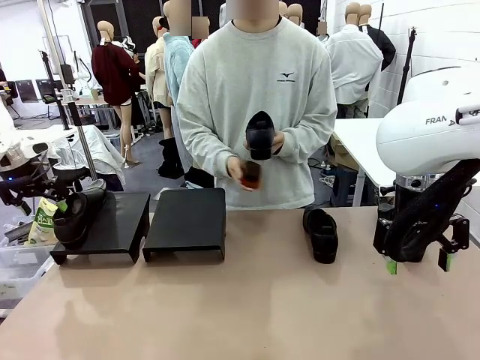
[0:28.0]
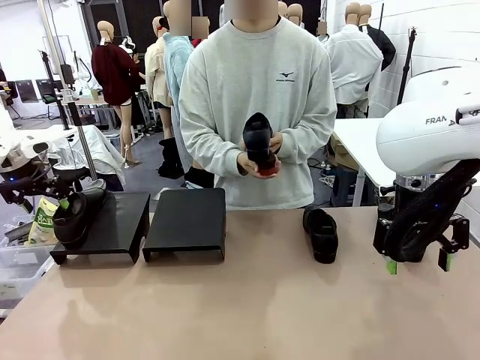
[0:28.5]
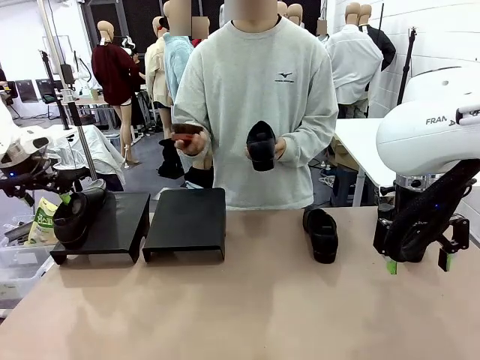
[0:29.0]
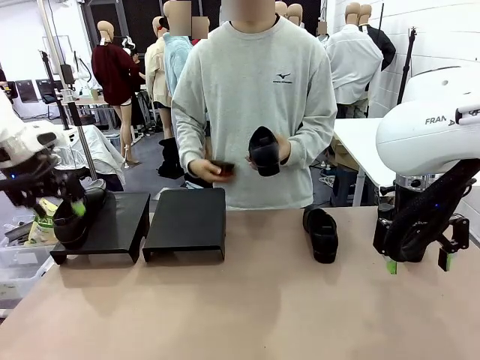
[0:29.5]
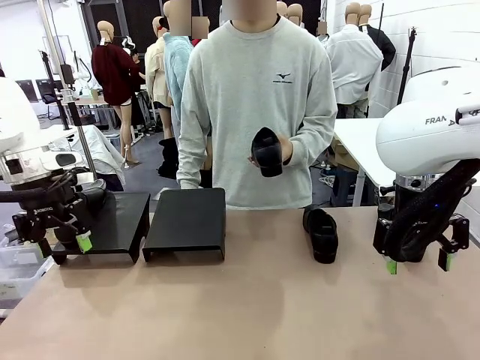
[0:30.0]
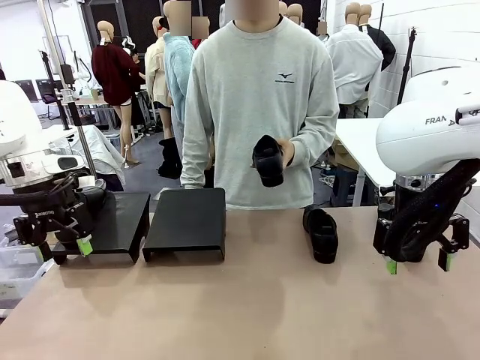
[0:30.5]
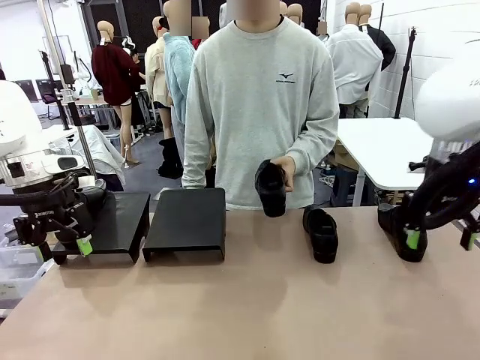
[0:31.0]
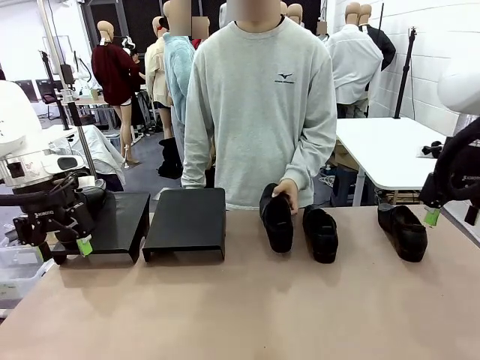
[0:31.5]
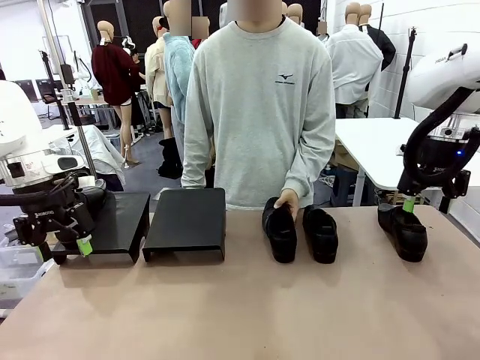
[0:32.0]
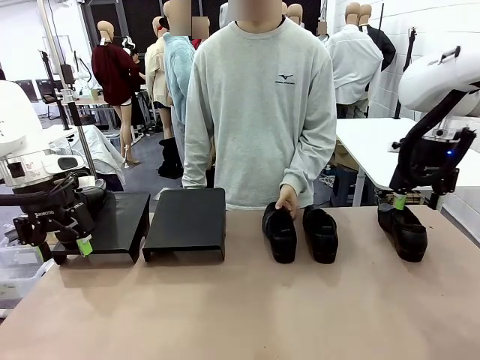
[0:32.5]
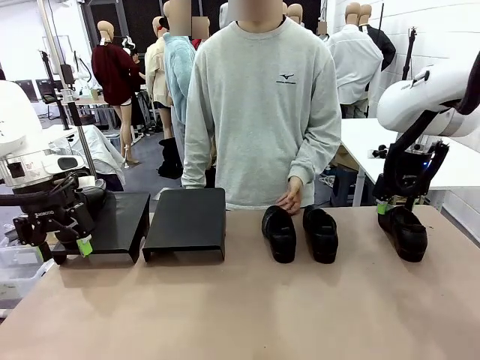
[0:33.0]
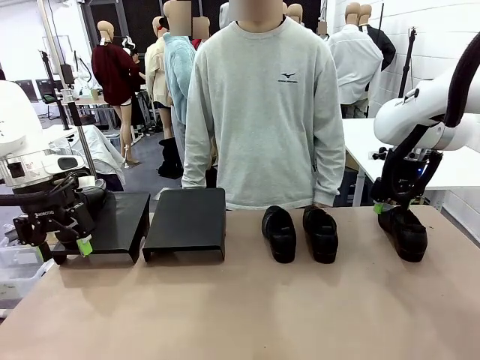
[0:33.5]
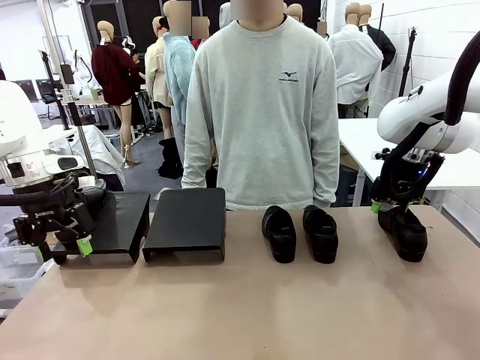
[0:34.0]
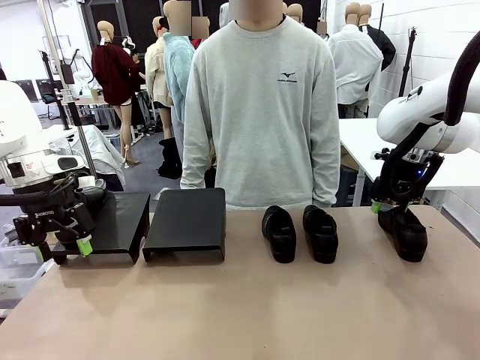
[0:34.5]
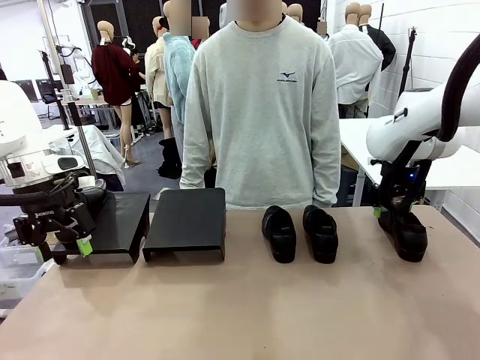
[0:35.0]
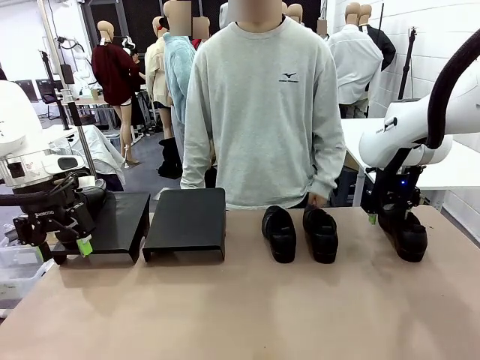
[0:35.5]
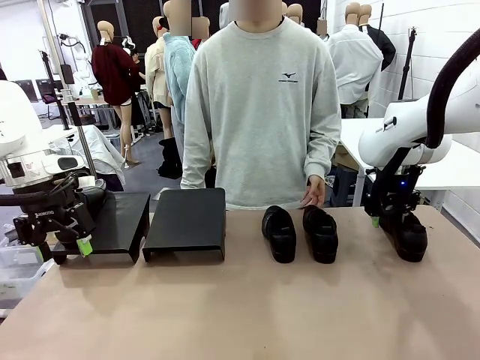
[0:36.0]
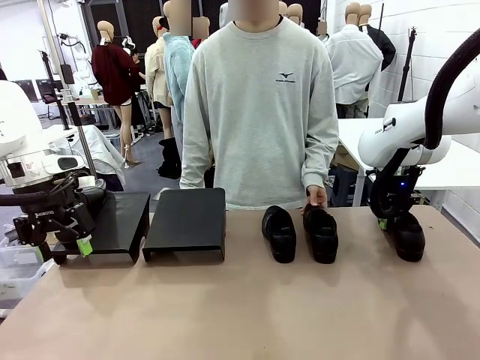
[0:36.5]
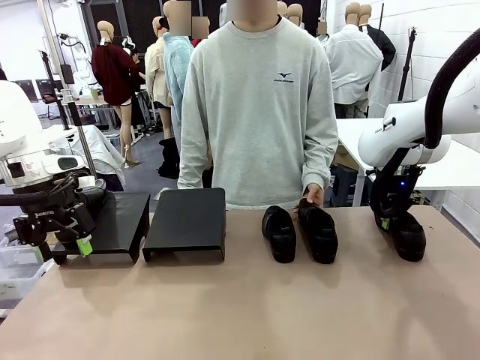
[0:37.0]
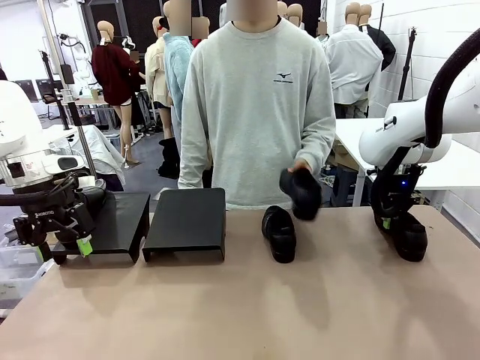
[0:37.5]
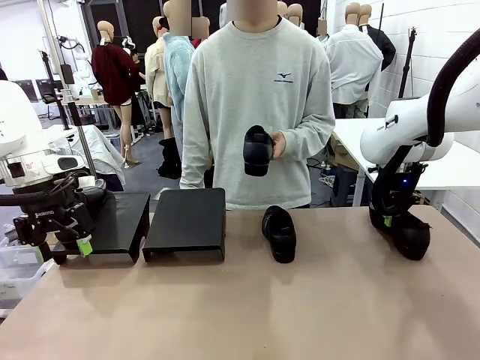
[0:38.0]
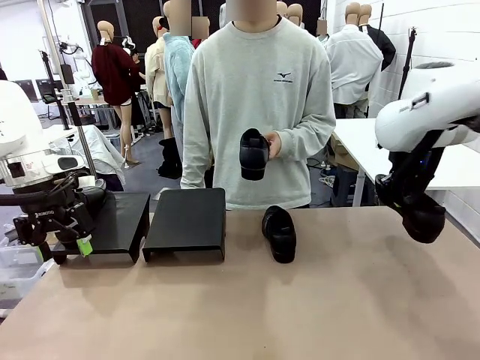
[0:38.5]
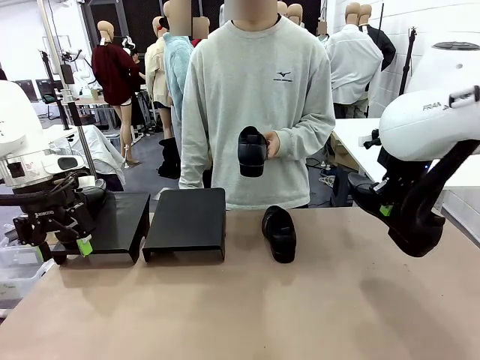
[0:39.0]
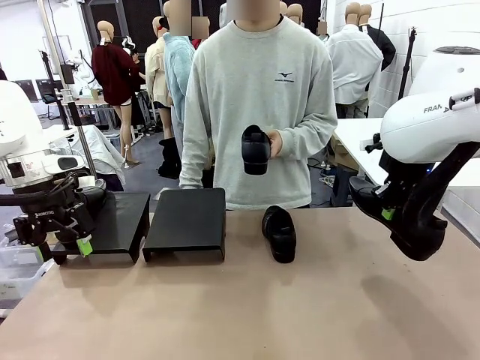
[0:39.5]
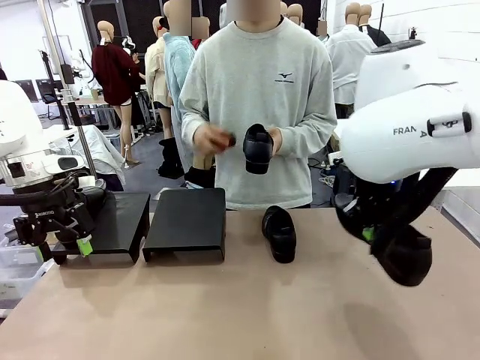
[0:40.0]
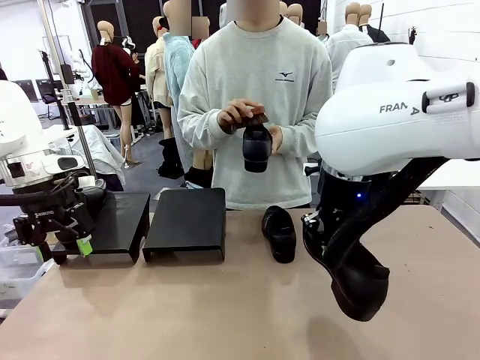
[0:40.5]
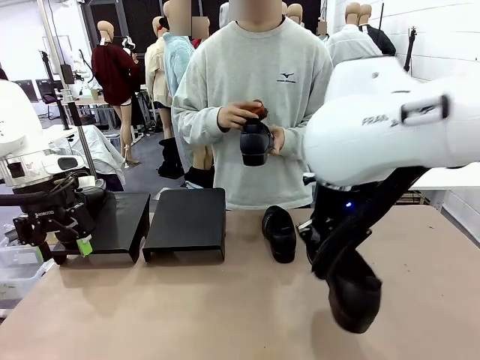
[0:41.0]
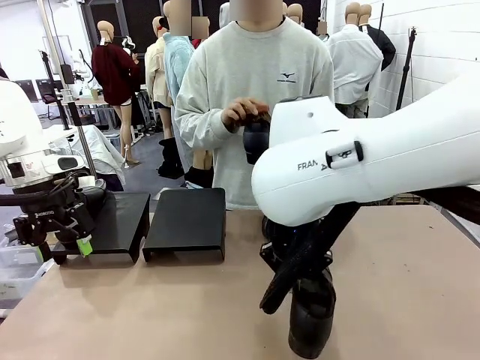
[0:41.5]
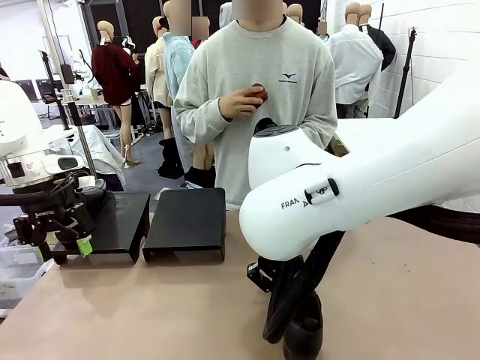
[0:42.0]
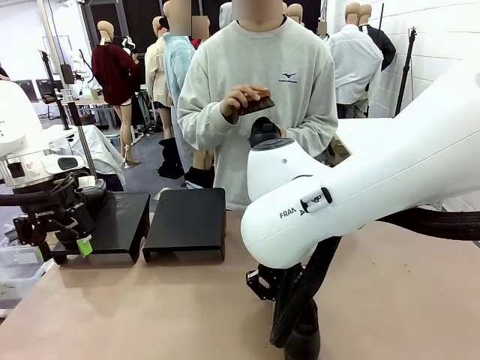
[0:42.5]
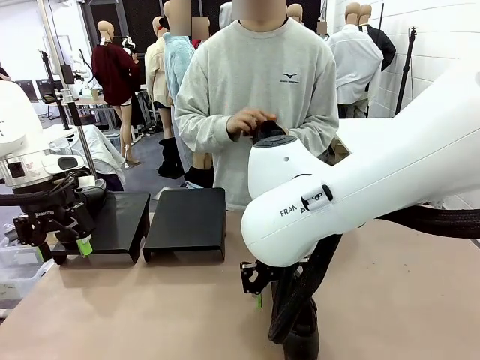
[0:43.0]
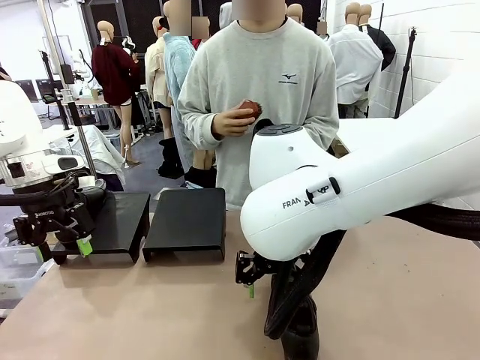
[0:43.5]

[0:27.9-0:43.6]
Task: Organize the shoes by placing them on the stand.
Robot: Pick up one Shoe and place it in the middle of the table.
Person: Place the Shoe on left side of the Robot's table. Pick one Shoe on Robot's table.

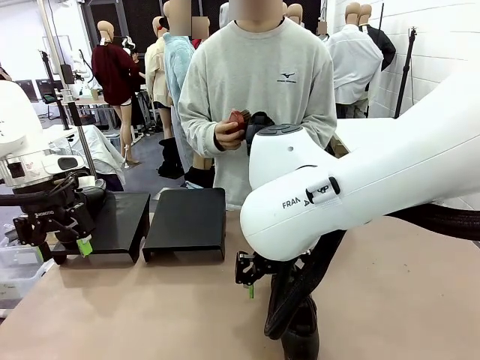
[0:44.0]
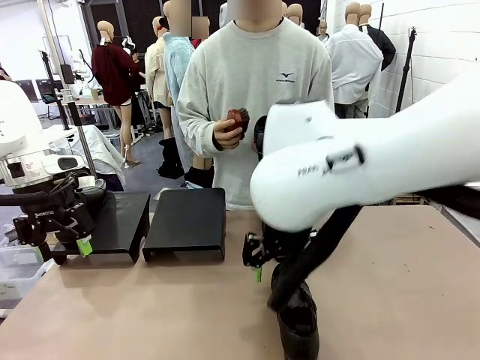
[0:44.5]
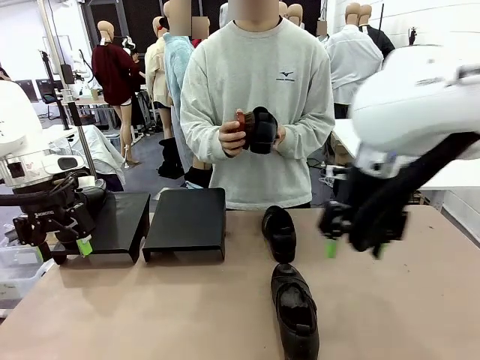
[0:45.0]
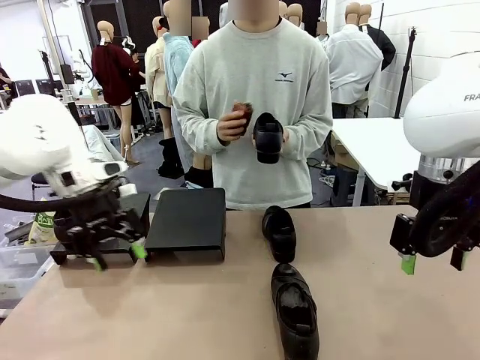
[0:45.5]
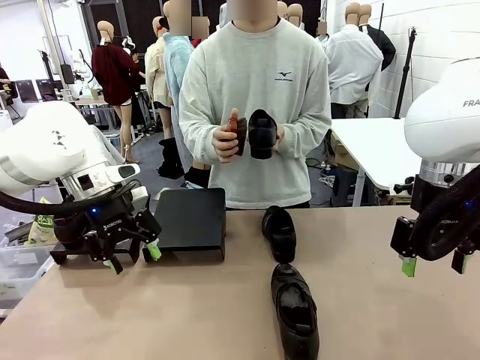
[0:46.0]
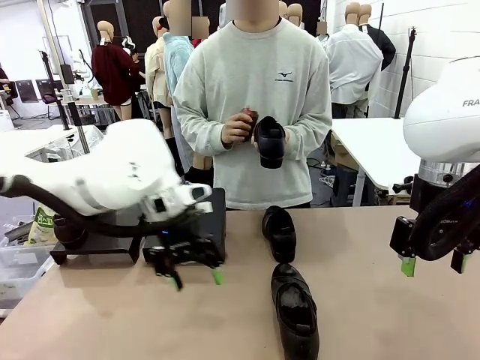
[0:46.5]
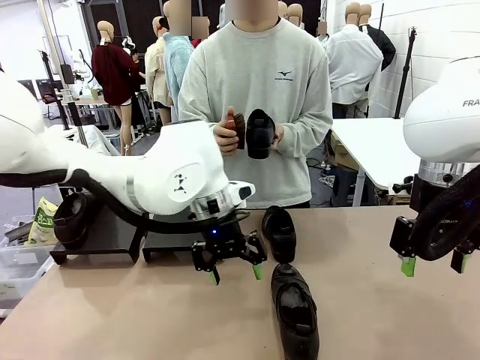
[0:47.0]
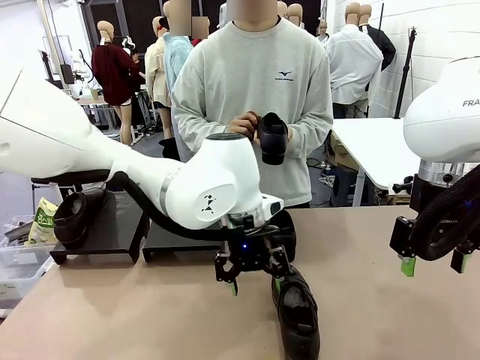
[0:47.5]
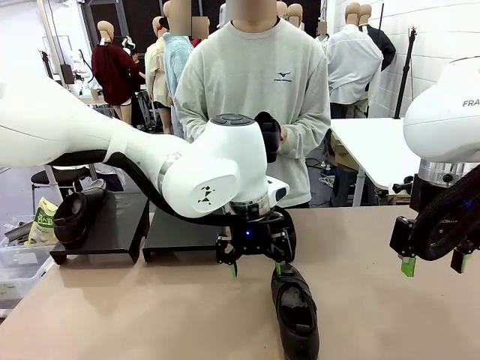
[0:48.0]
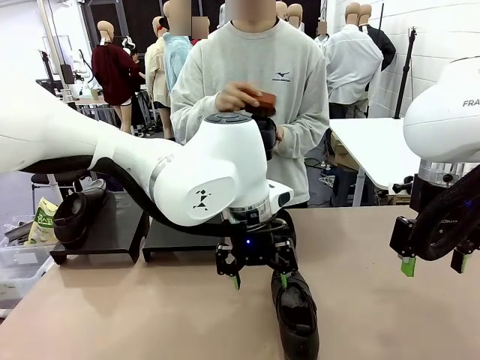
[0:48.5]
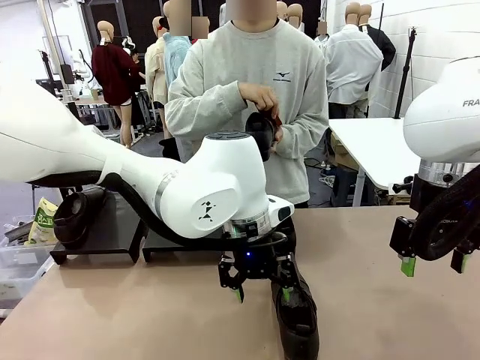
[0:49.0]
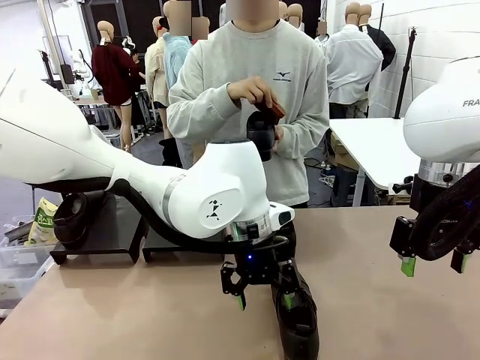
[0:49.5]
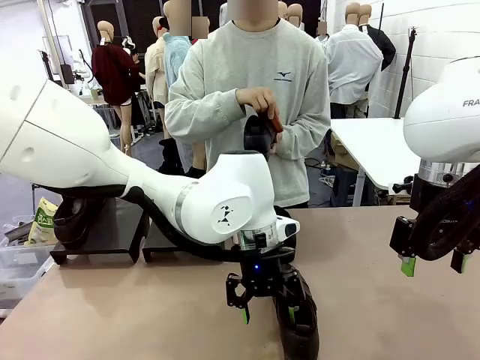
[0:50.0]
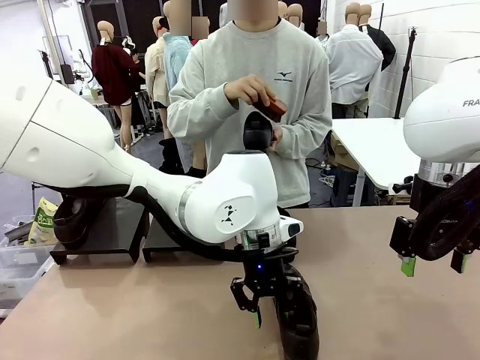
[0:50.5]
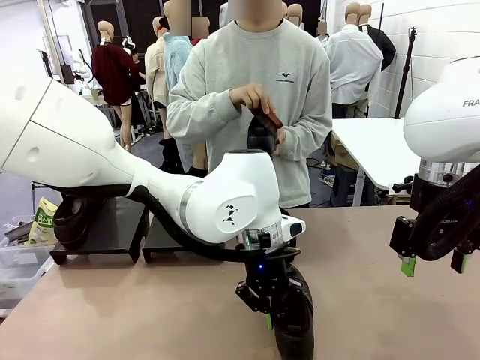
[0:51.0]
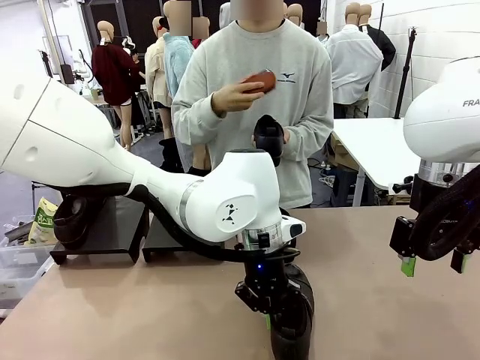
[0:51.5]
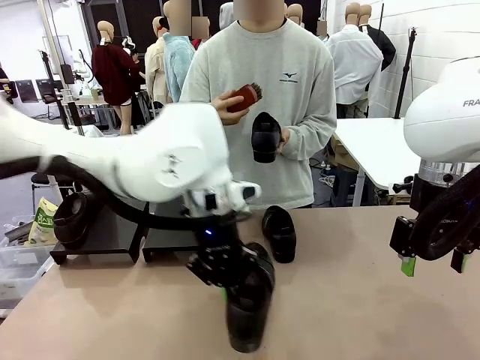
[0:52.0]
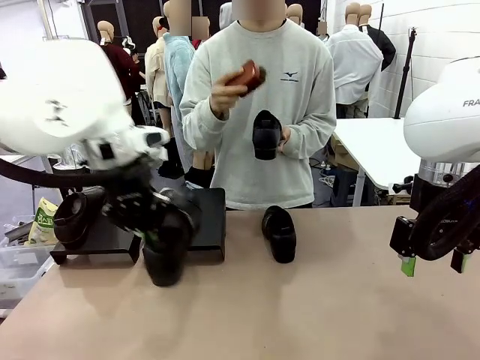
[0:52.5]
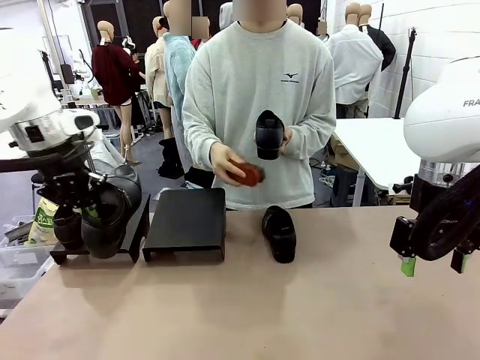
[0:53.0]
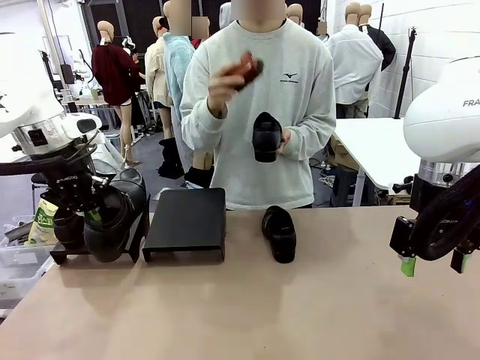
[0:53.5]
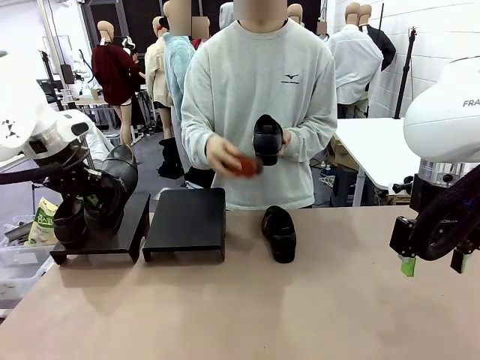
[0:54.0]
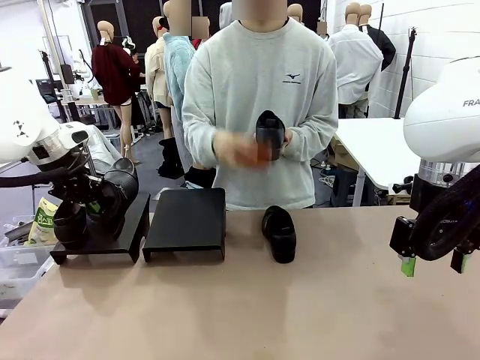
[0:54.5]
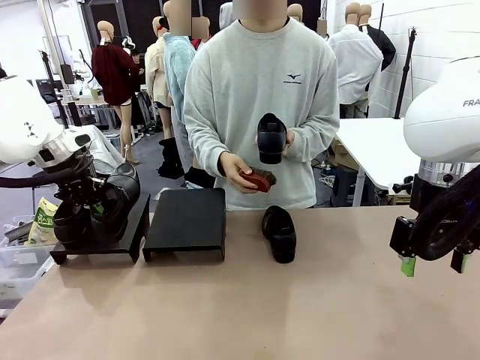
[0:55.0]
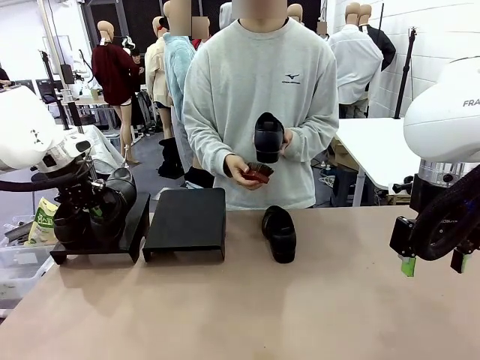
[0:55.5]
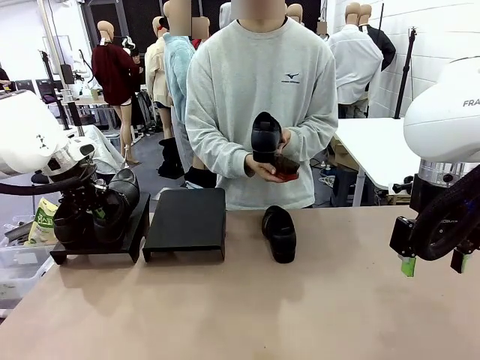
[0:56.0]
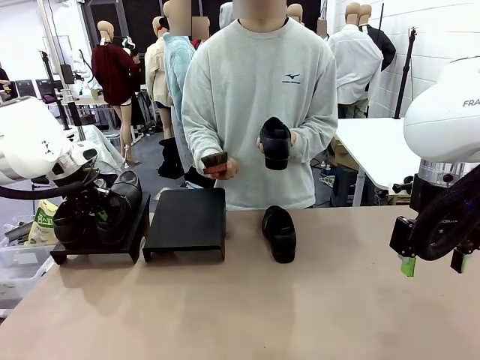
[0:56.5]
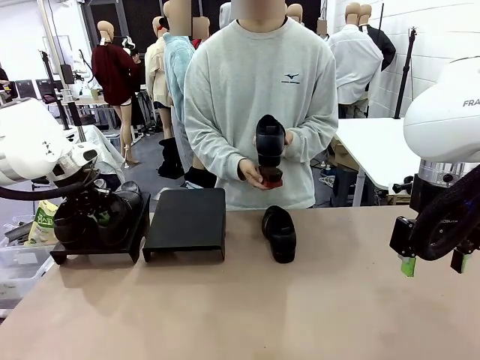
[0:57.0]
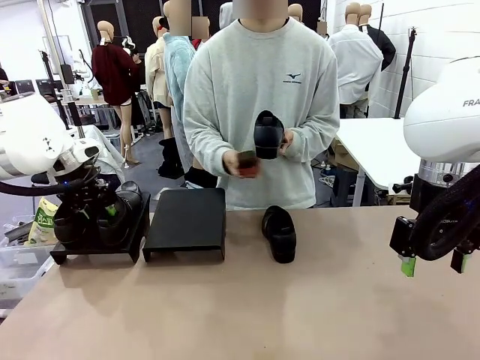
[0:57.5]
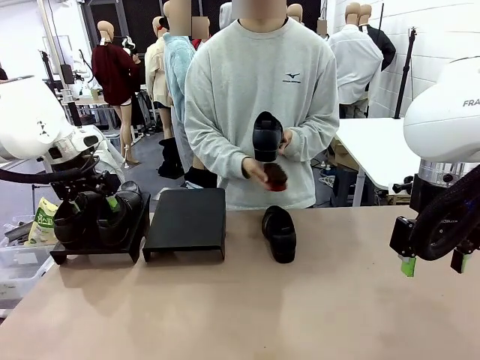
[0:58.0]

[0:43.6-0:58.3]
Robot: Place the Shoe from the middle of the table onto the Shoes Stand.
Person: Clean the Shoe with the Shoe Brush.
